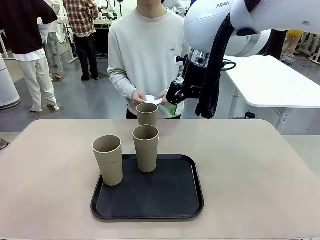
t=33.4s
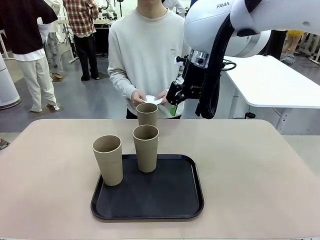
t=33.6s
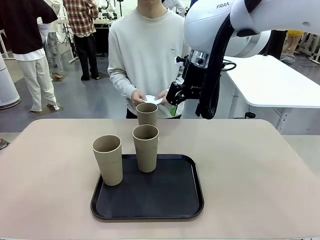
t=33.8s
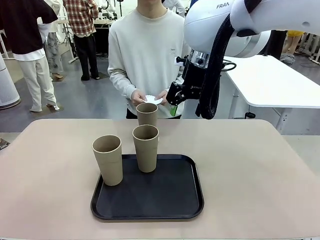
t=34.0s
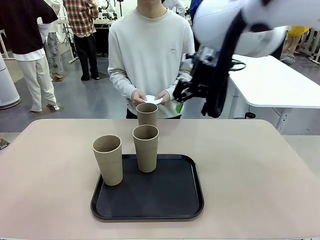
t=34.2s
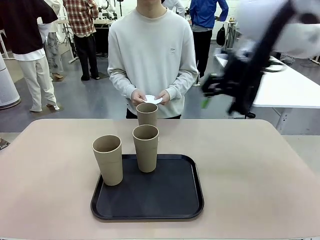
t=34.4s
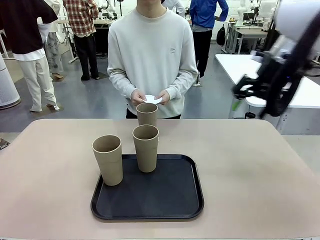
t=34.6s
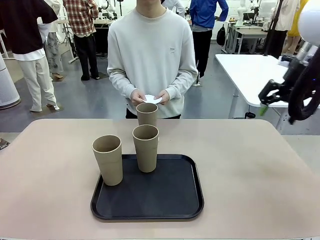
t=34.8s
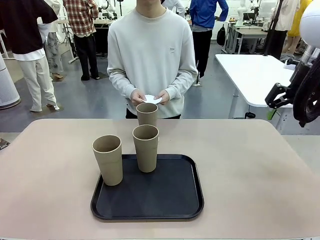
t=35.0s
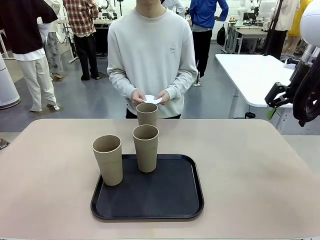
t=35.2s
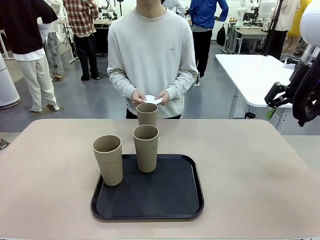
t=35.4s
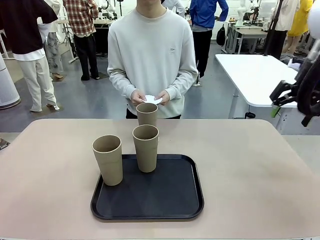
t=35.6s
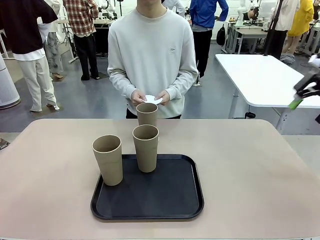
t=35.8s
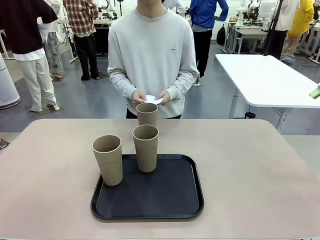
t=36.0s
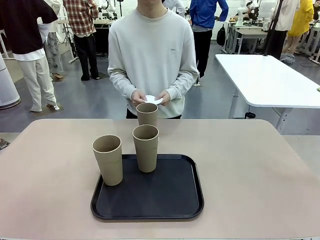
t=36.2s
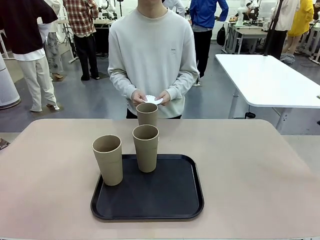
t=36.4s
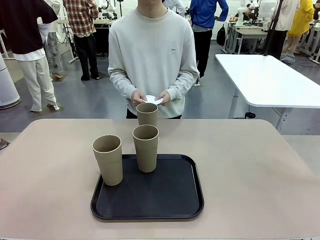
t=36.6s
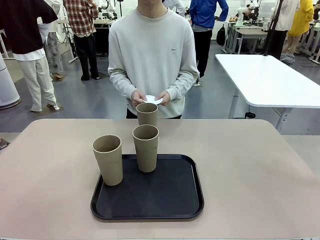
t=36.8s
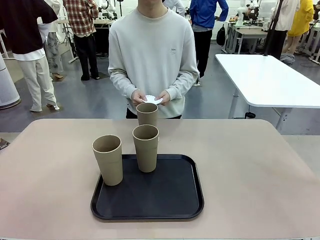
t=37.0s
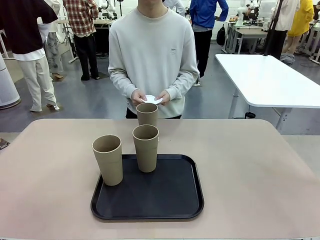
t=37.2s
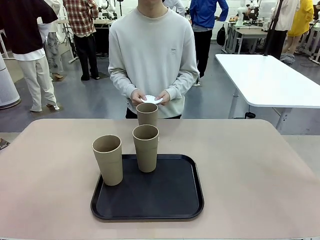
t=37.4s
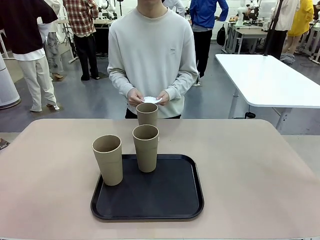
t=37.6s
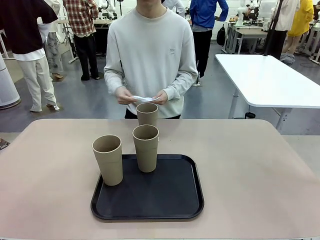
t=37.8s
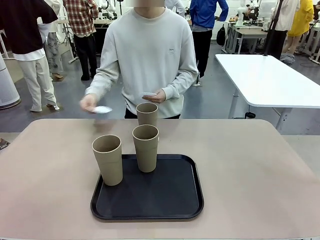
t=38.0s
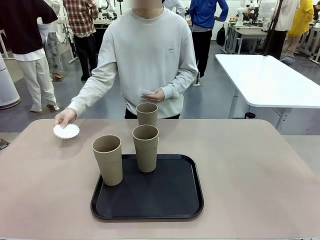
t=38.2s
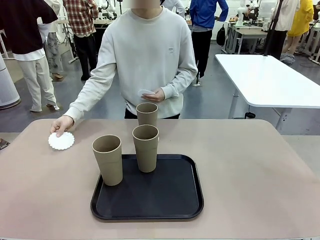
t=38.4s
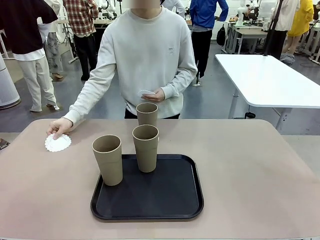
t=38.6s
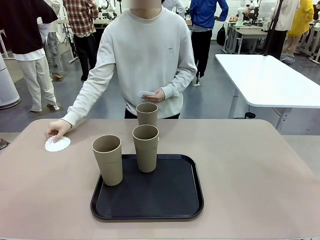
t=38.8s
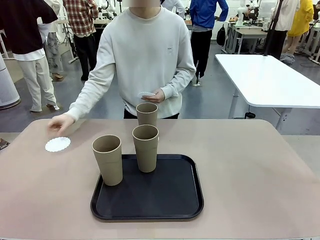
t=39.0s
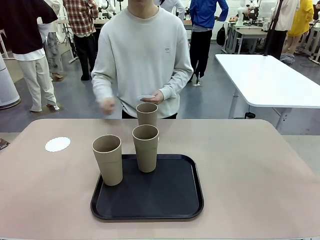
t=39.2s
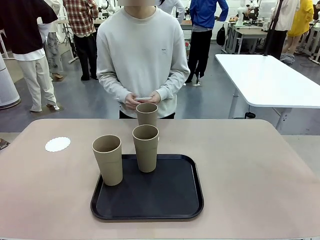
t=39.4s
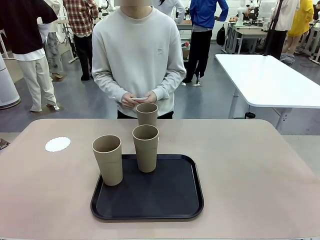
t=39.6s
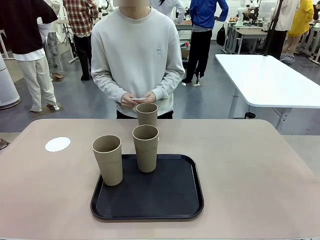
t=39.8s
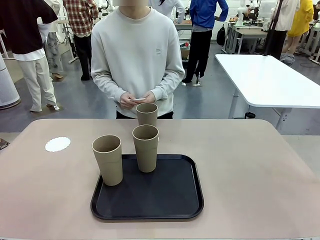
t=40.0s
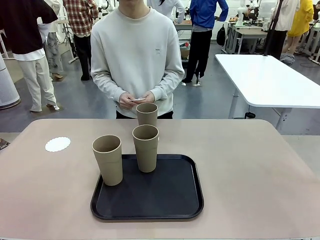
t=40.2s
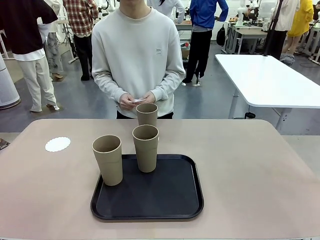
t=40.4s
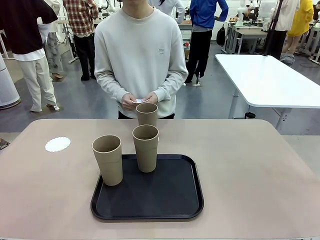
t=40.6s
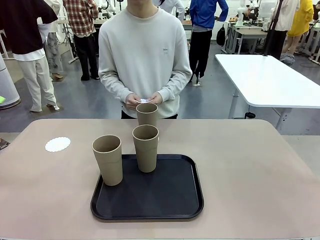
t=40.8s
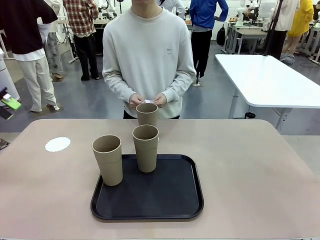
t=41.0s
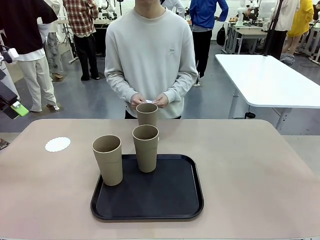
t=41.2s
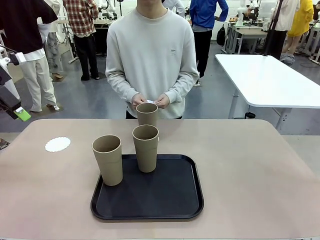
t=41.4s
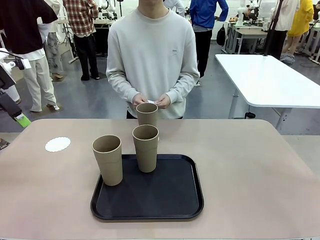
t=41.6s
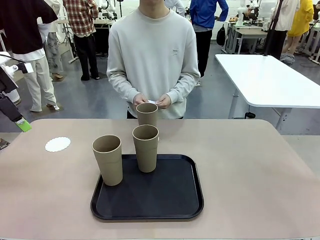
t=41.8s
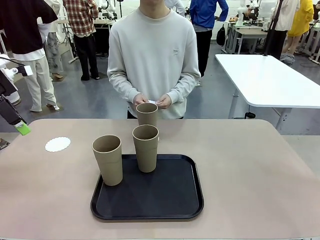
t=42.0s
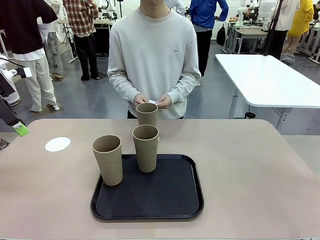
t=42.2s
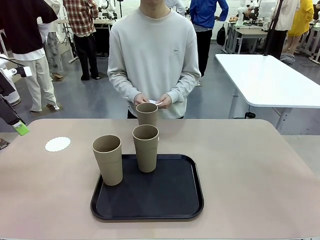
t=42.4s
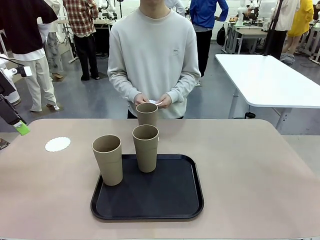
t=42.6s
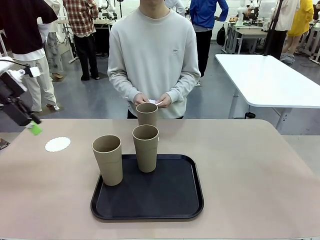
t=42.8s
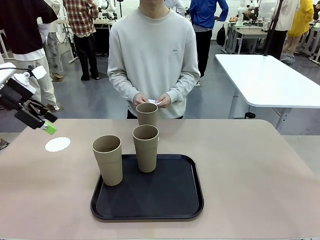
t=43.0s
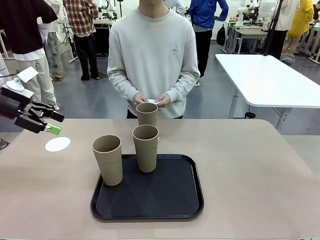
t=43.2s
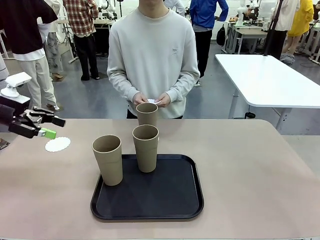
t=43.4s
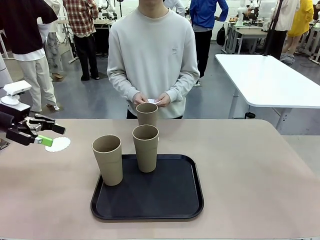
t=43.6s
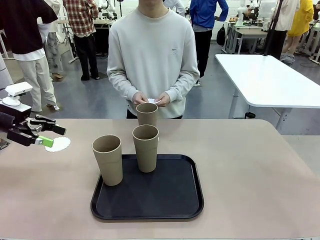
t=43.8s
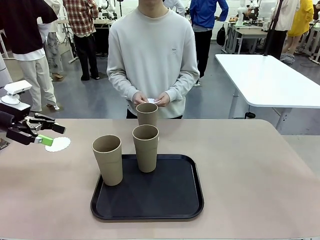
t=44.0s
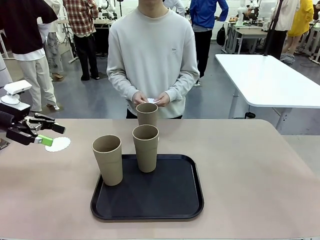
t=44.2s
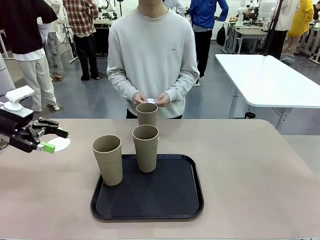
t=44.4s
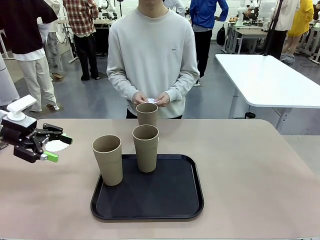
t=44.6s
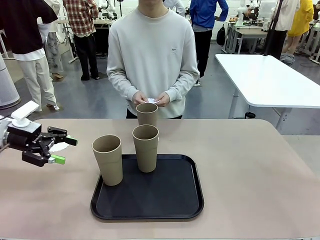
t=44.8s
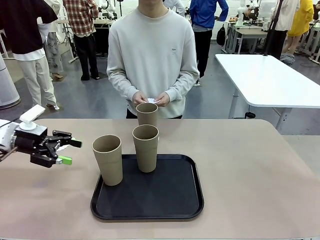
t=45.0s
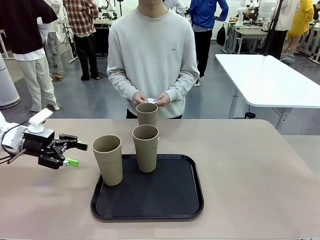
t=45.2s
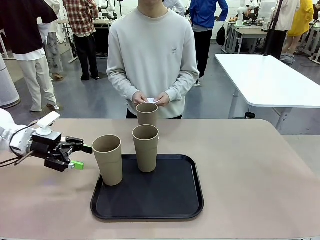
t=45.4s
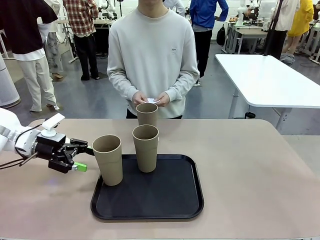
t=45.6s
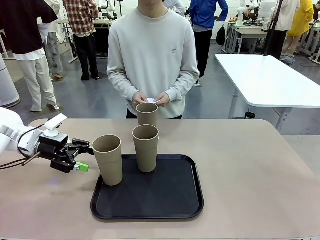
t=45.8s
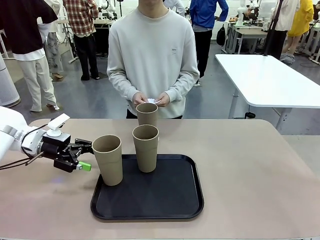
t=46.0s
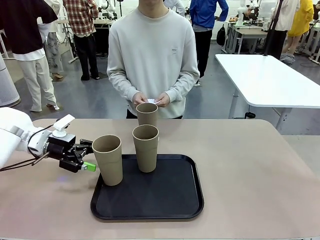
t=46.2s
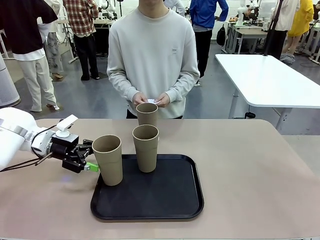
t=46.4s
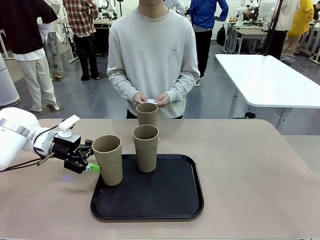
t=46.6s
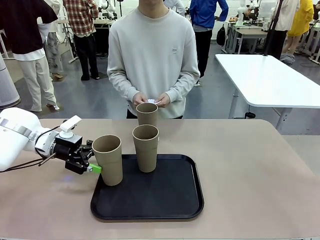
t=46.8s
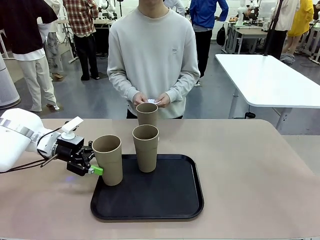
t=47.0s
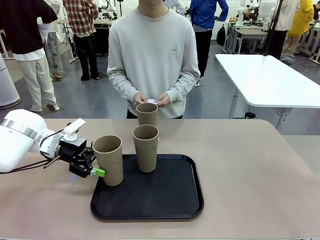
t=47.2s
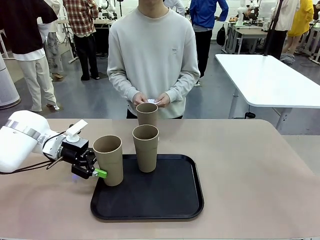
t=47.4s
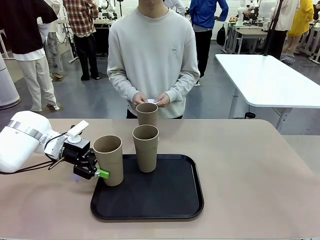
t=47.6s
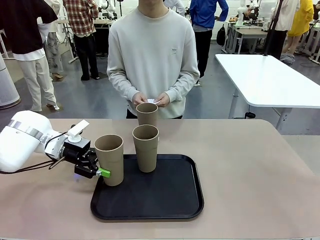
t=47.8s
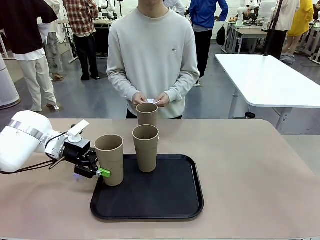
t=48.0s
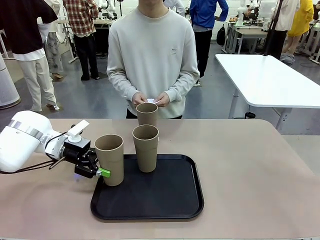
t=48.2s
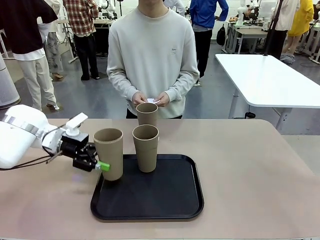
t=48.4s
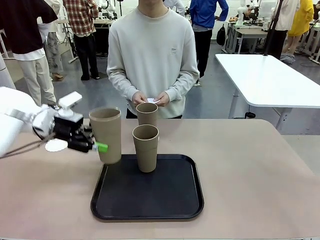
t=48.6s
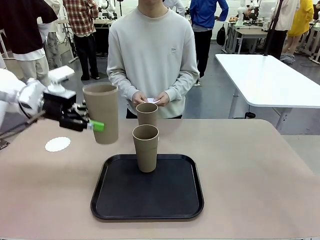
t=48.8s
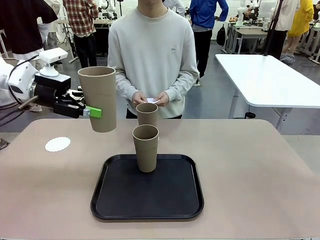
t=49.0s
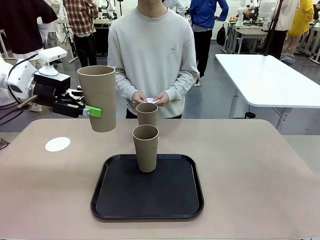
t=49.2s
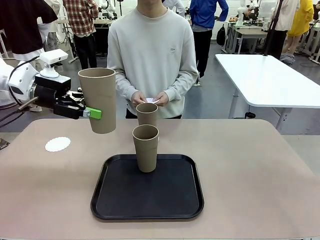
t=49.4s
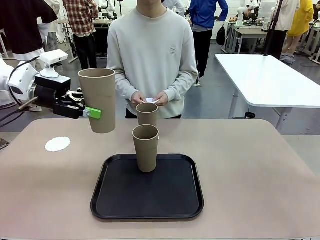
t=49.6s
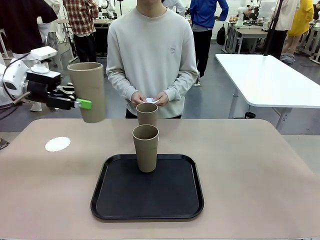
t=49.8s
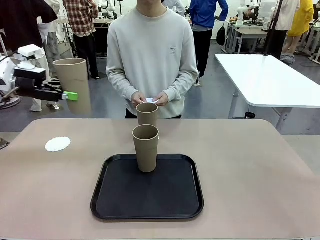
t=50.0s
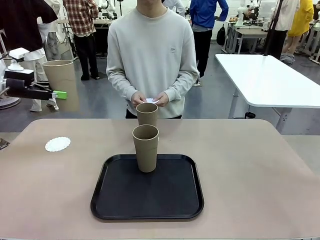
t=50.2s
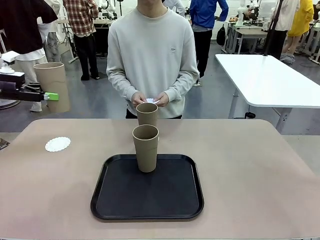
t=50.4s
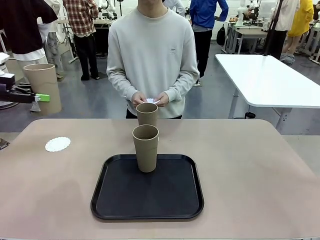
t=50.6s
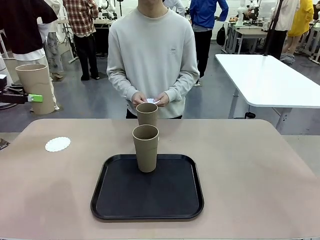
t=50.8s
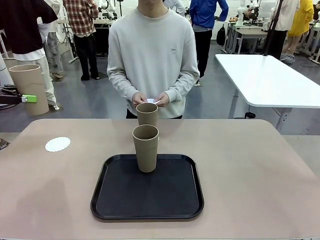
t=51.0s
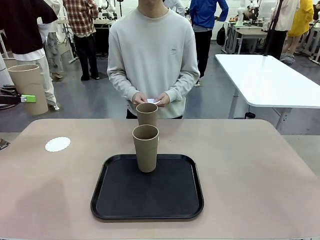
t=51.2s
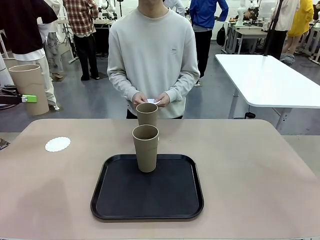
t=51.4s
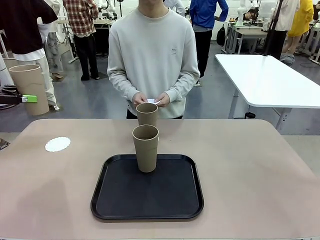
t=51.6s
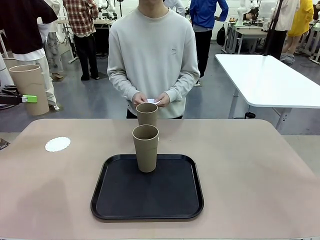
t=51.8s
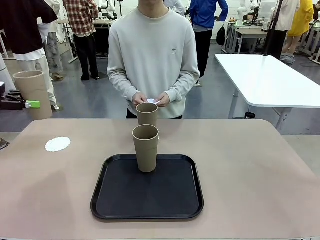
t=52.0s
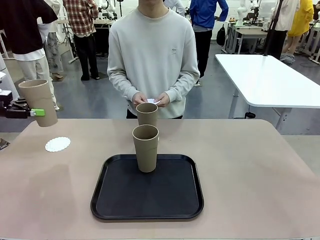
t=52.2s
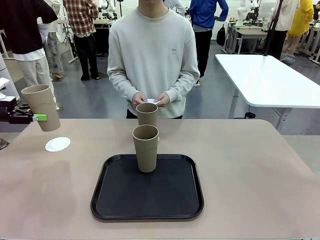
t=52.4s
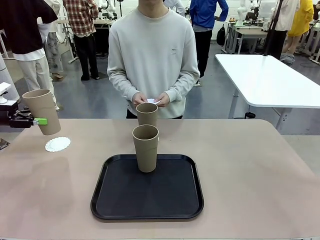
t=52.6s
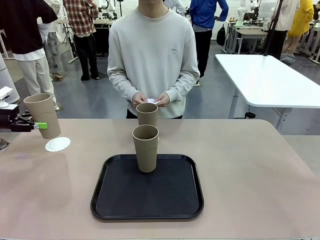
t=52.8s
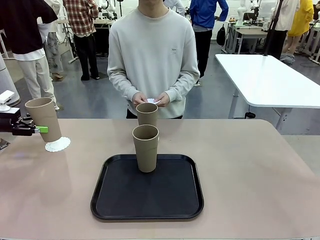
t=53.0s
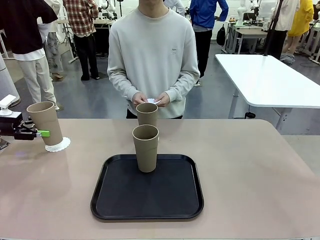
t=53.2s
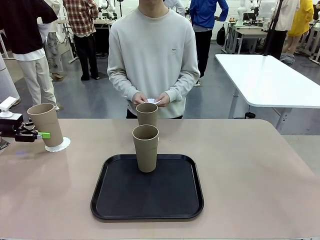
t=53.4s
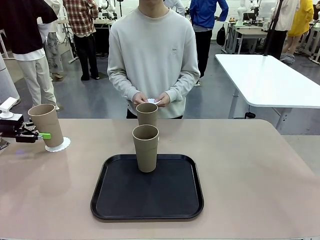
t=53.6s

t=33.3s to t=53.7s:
Task: Place coasters on the table and set cups on them.
Robot: Take one Reusable plastic cup from the Flat Tray and place it on a coaster set by the human.
